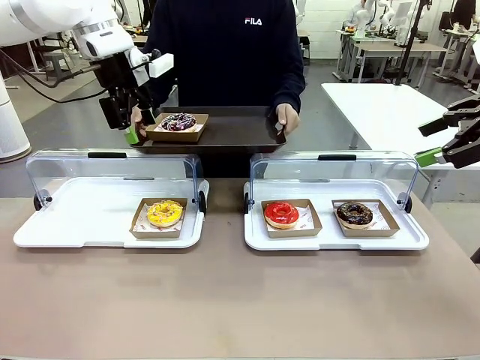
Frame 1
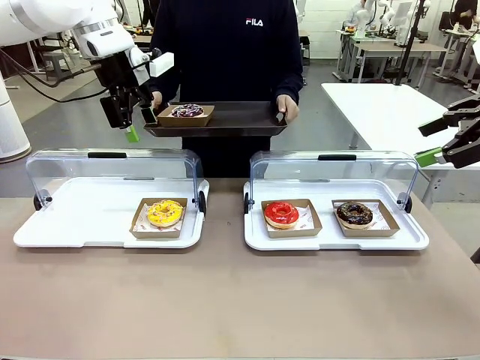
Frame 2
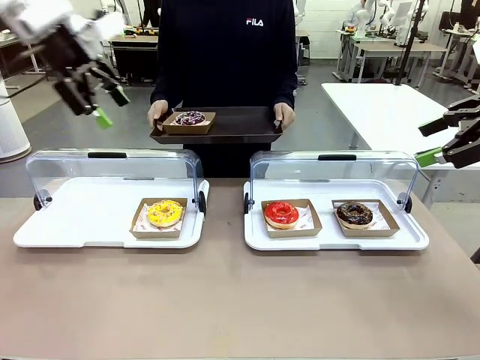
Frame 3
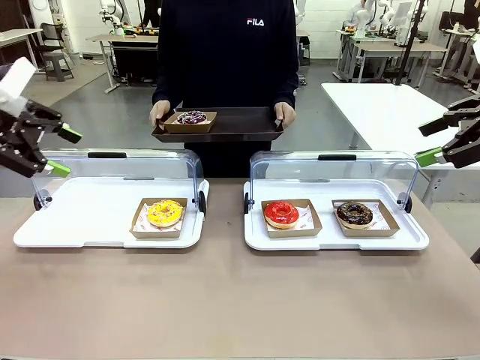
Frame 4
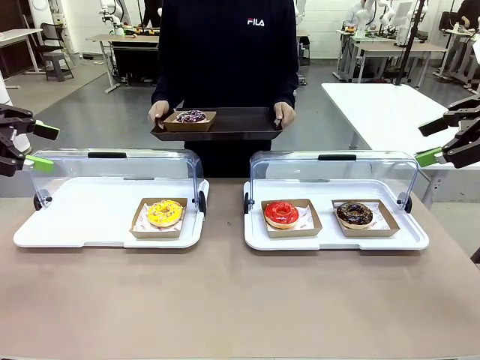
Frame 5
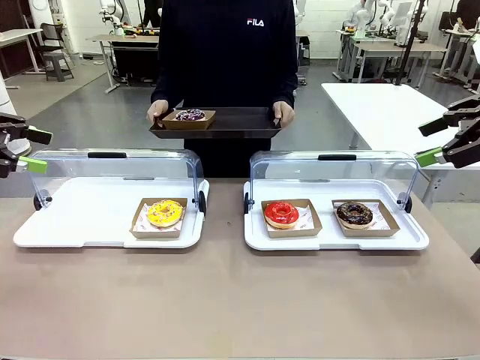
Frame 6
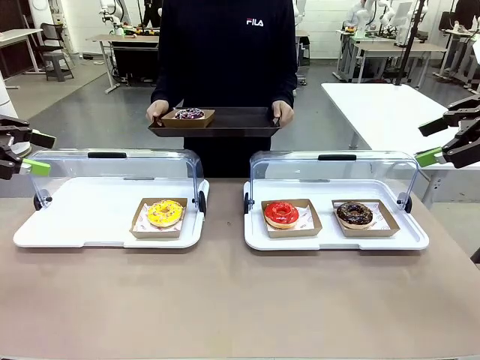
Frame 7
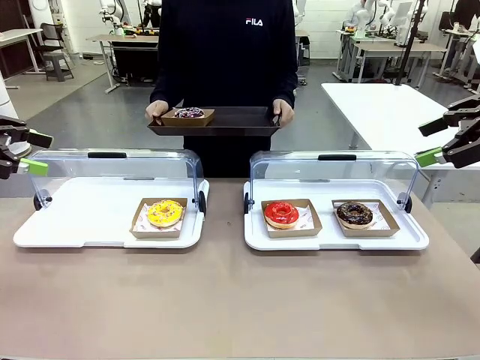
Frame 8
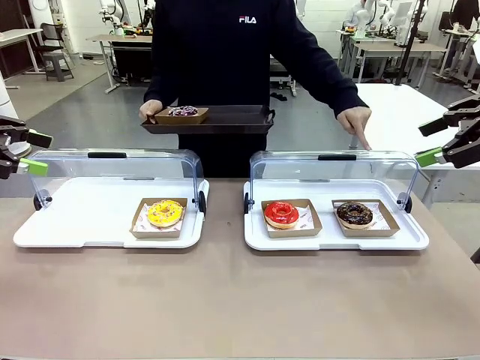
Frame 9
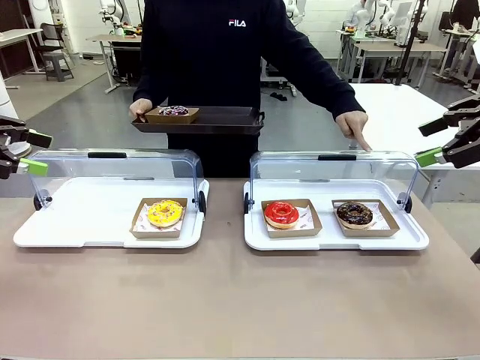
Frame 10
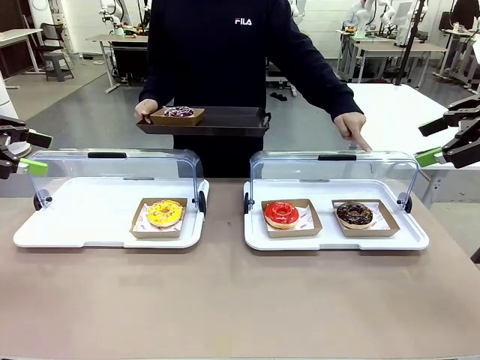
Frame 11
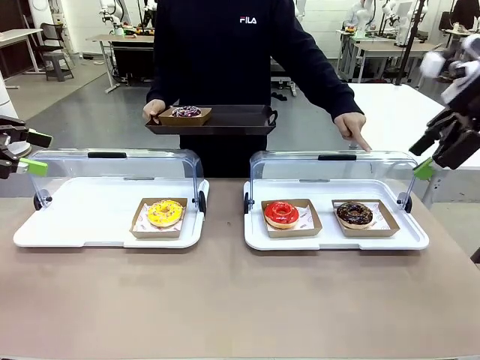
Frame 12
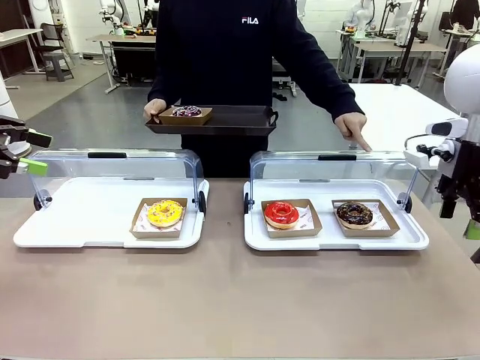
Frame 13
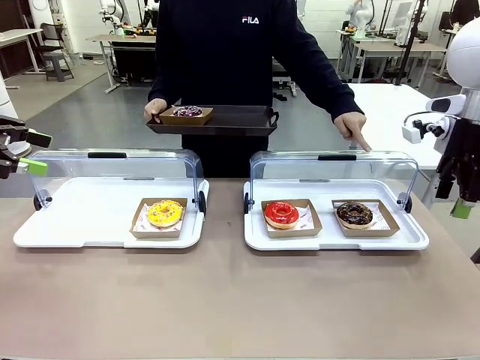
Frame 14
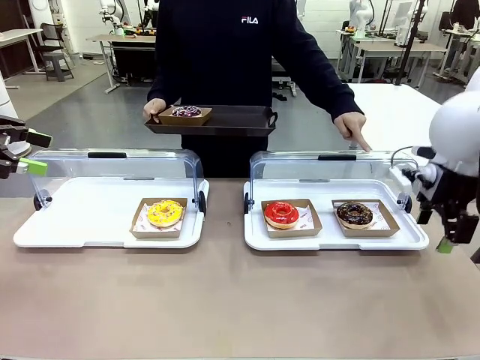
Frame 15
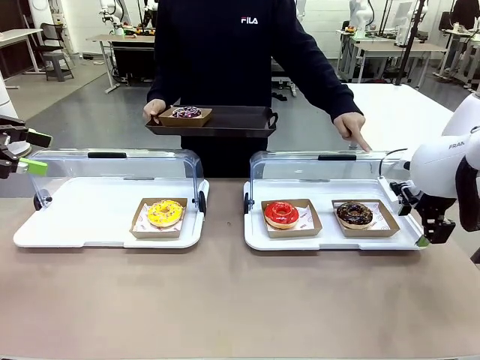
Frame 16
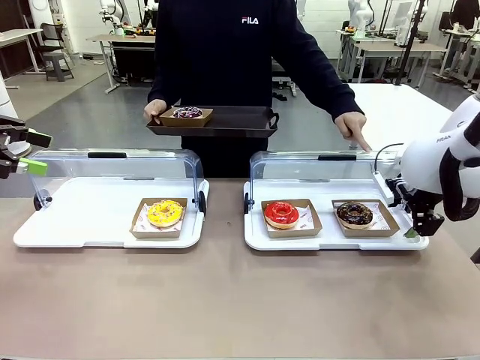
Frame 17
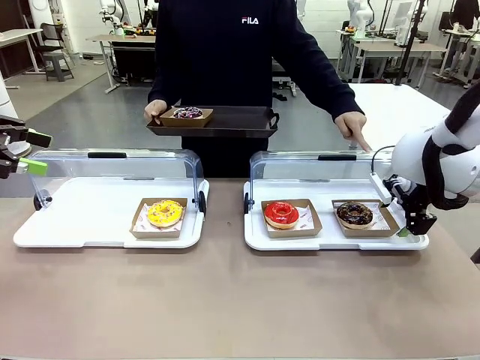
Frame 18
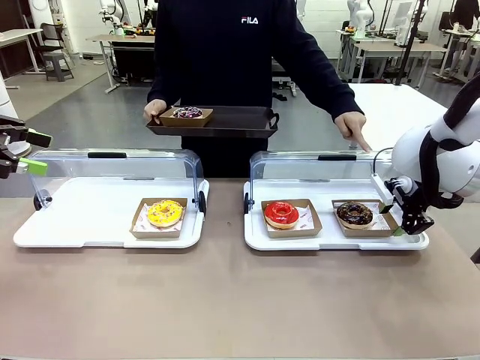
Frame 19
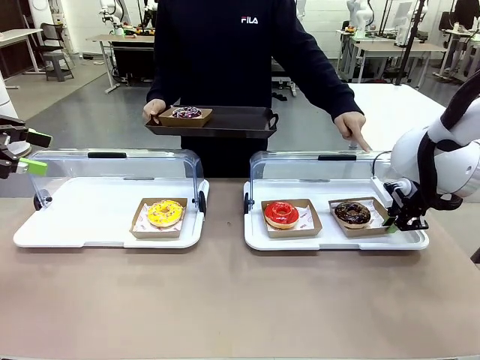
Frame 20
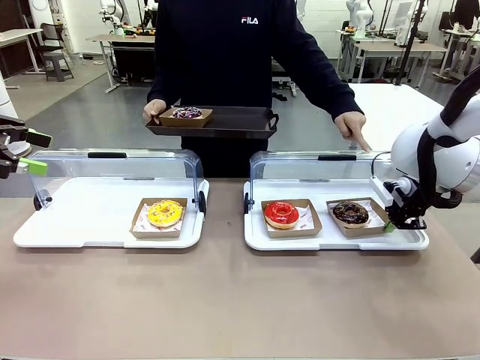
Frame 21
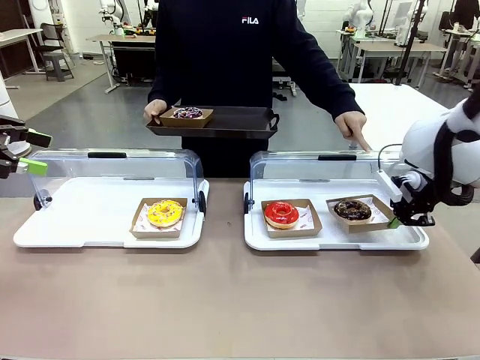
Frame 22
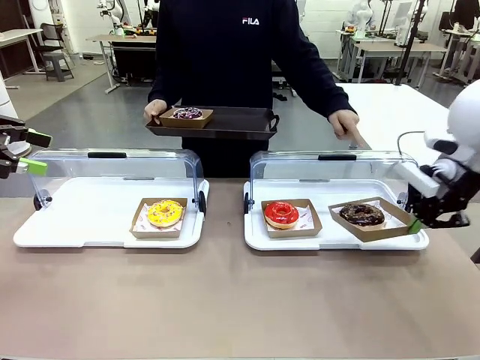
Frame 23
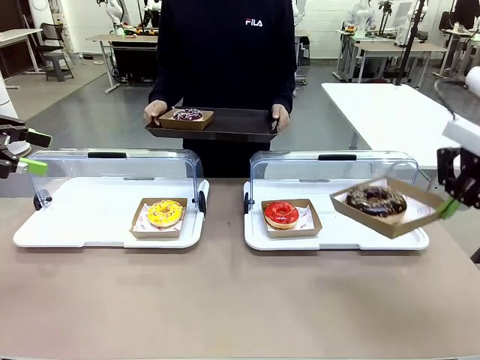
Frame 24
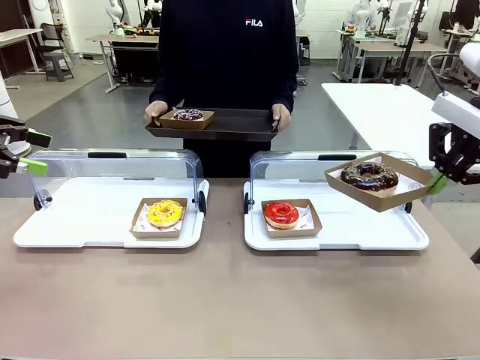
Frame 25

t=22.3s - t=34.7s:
Task: Provide the desired donut to the person.
Robot: Pick up and lift the Paper togo box containing the Donut pointed at by the person.
Person: Lift the tray onto the Roll-Top Bakery Case.

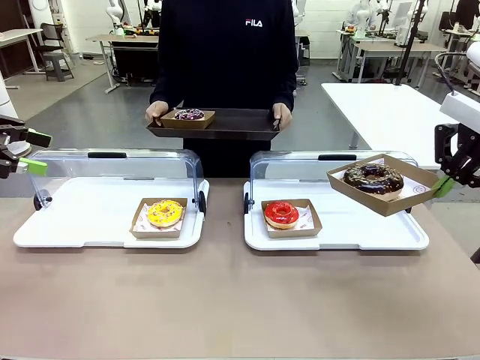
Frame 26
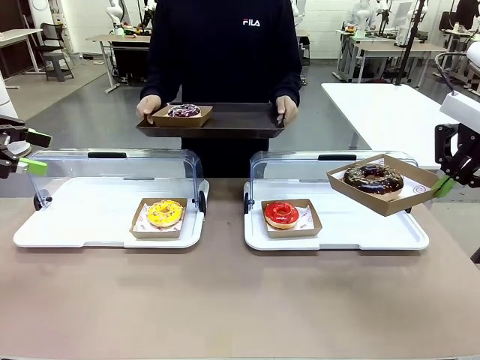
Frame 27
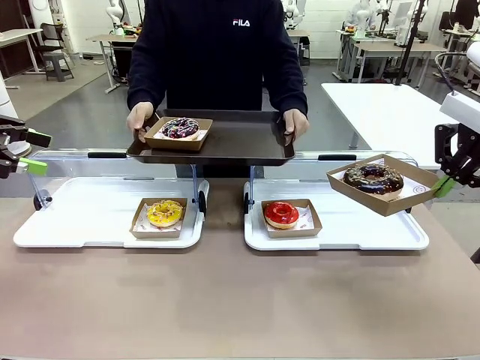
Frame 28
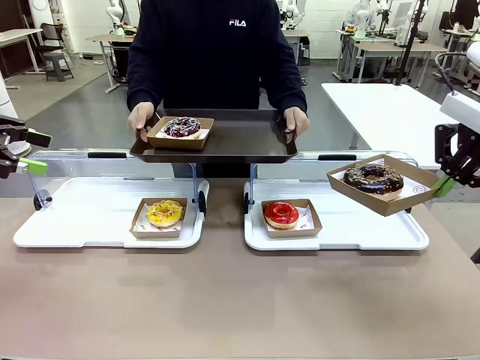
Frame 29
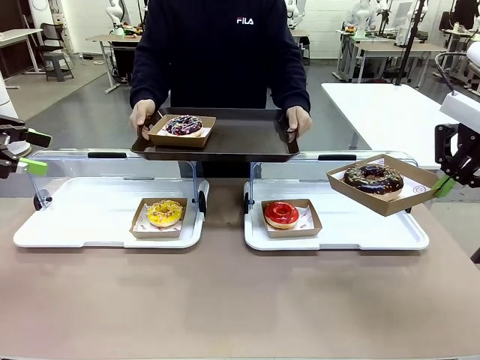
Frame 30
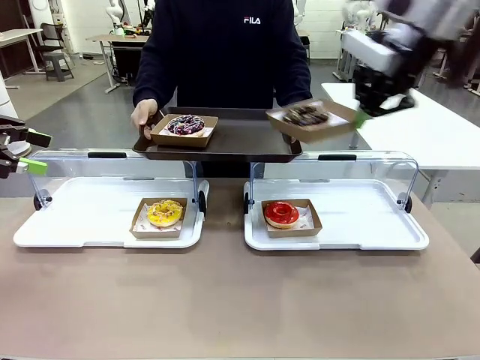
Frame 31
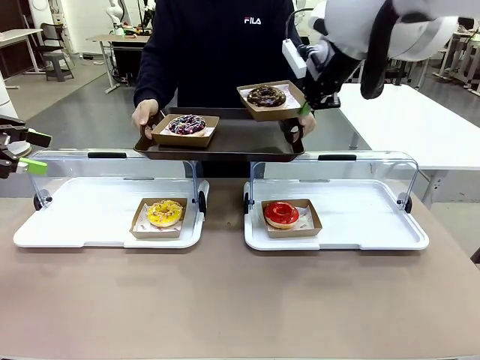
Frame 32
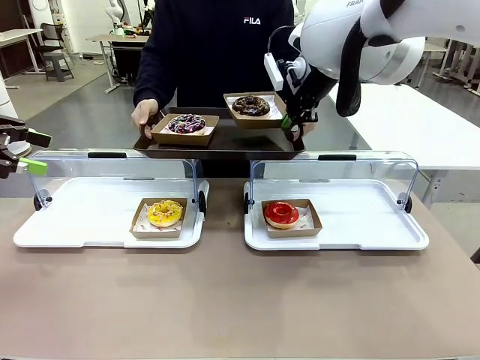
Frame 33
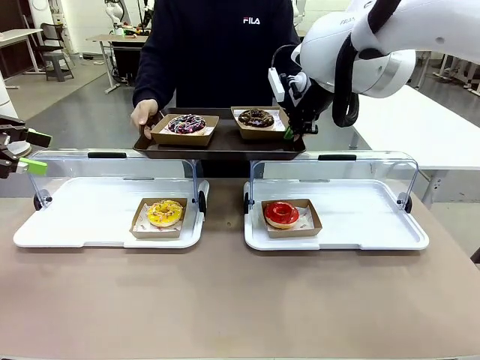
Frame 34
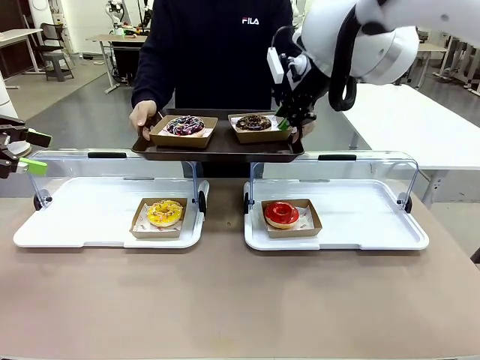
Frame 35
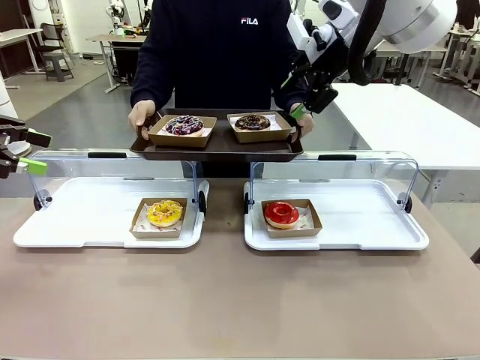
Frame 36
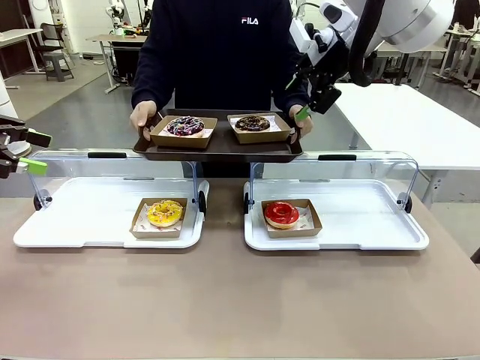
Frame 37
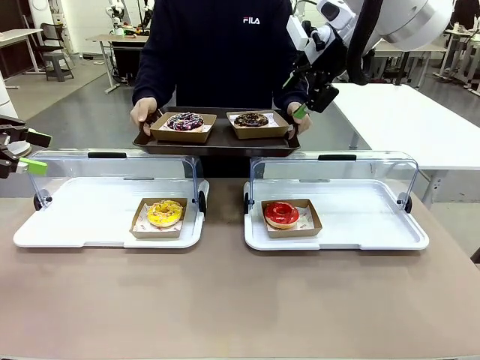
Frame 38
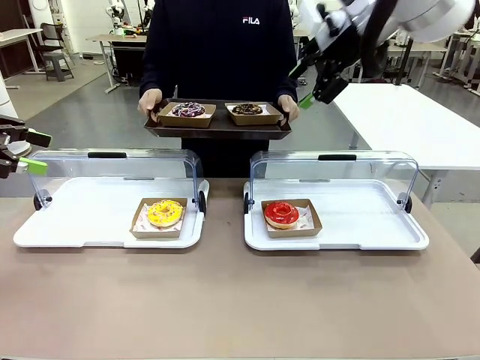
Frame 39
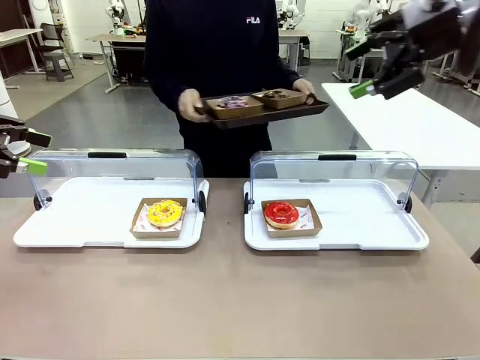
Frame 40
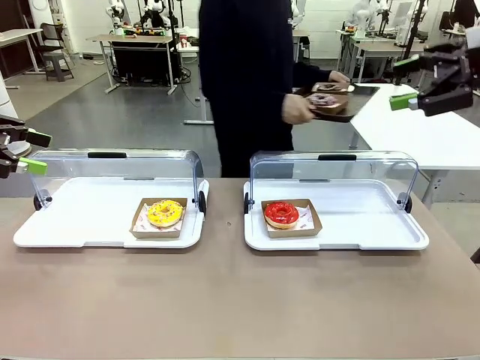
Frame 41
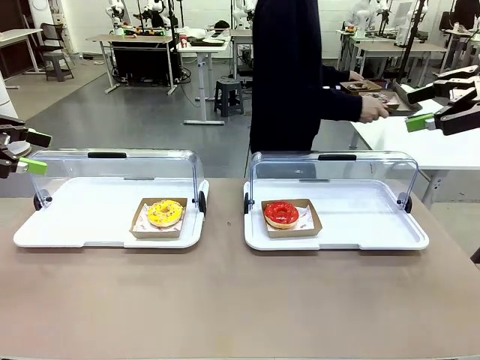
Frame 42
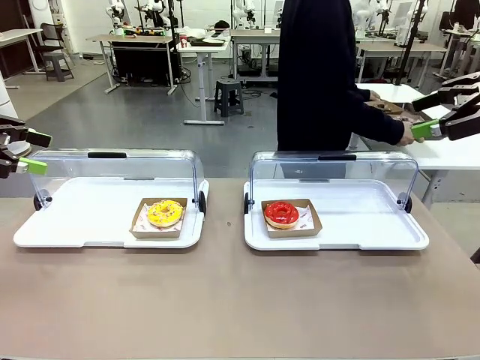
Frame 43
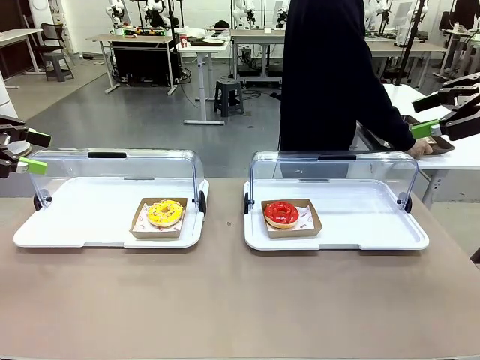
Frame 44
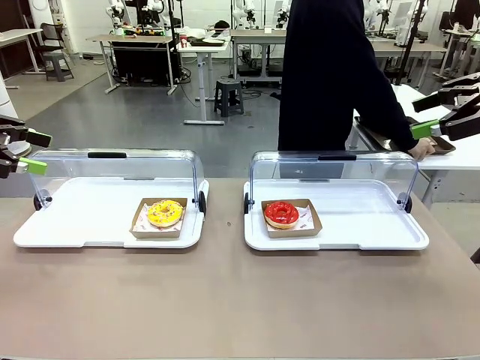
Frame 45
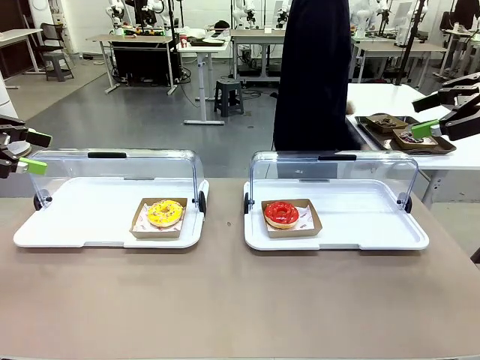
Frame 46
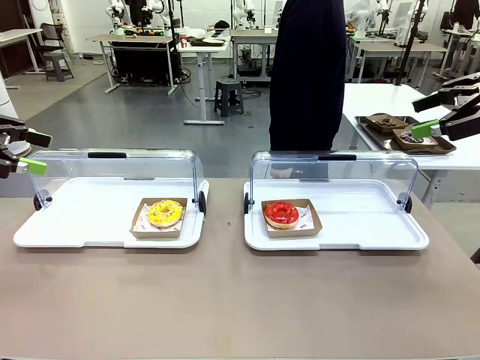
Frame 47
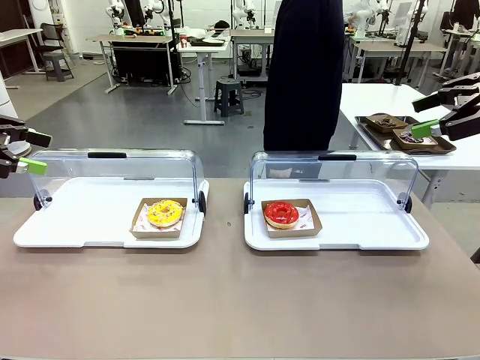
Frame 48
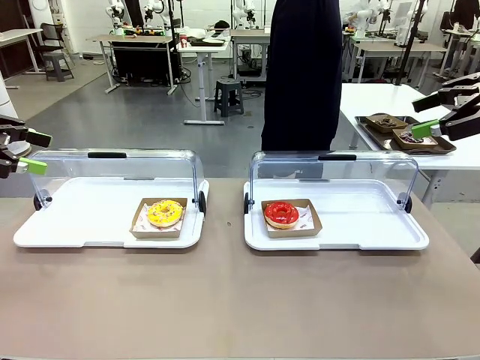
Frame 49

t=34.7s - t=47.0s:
Robot: Place the picked Paper togo box onto the Handle tray extended by the person.
Person: Place the tray in the middle of the human table.

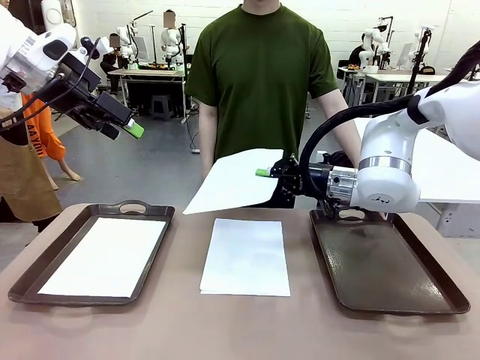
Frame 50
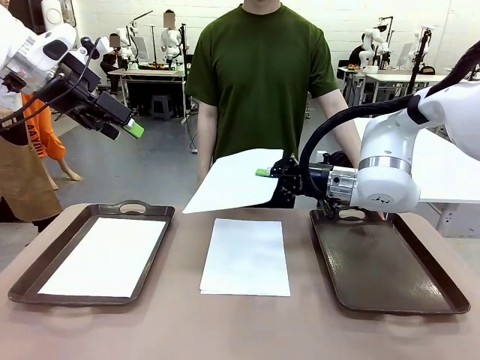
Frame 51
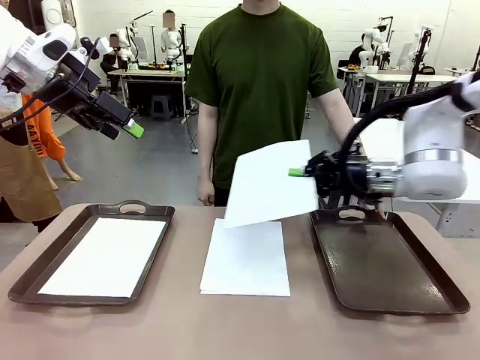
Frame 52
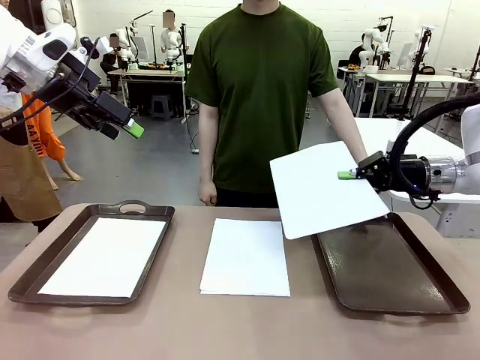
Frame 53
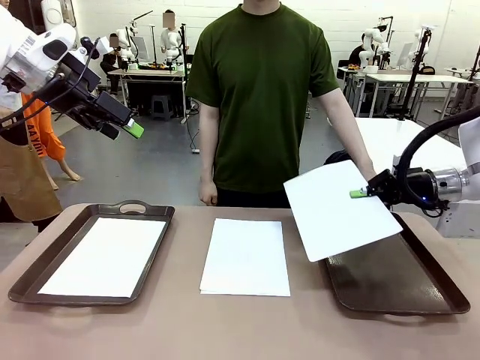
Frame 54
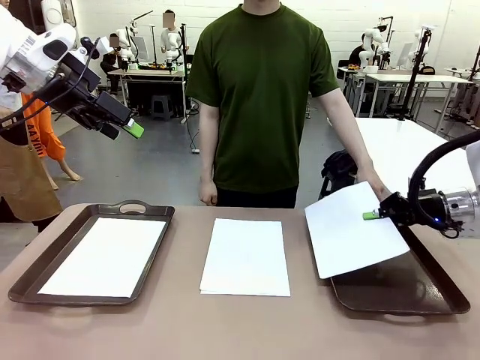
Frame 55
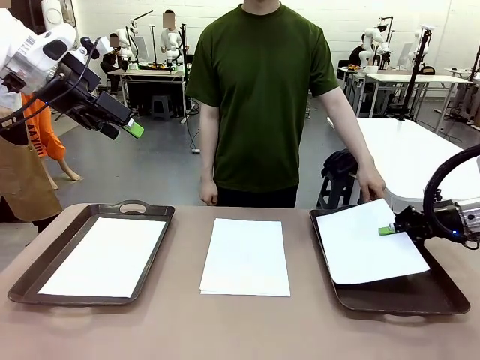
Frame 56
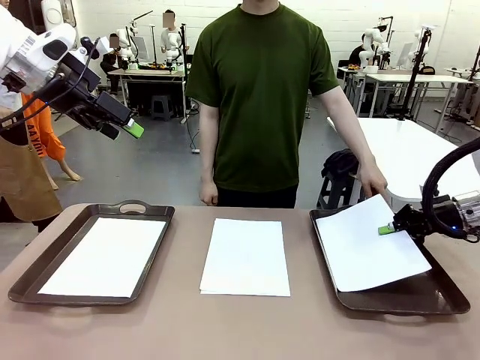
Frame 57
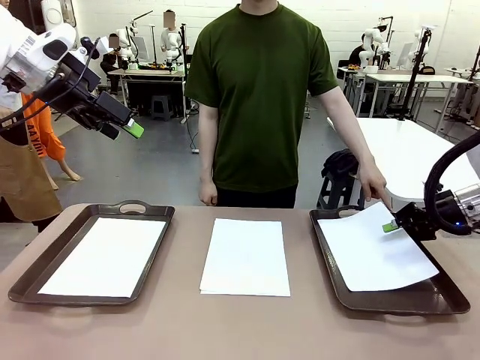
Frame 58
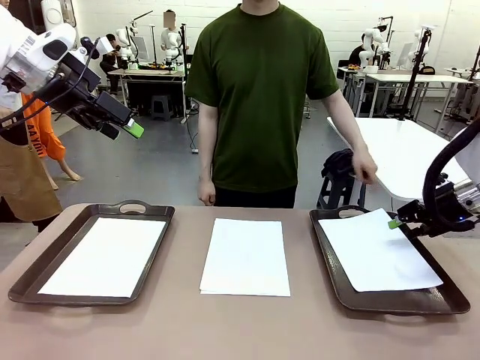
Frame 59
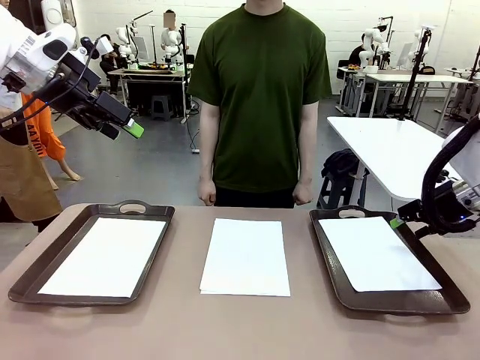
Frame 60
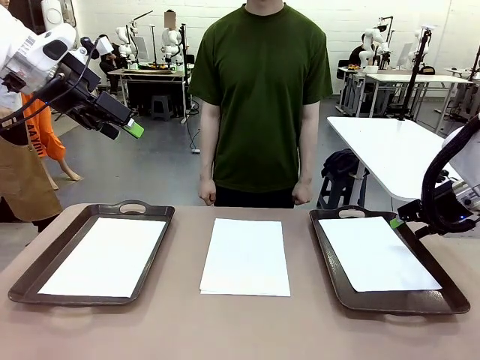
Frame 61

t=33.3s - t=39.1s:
Task: Sort the A4 documents.
Robot: Place the A4 Paper in the designated Handle tray.
